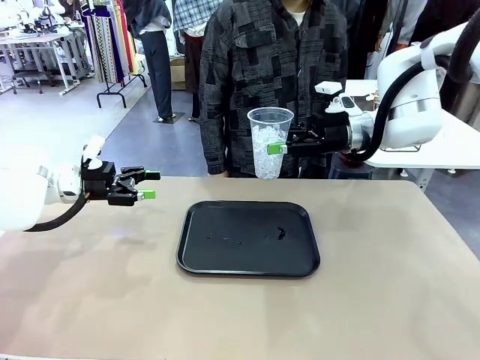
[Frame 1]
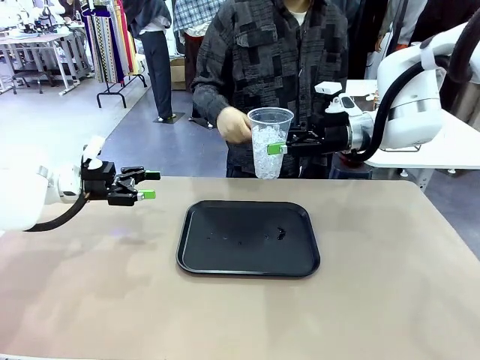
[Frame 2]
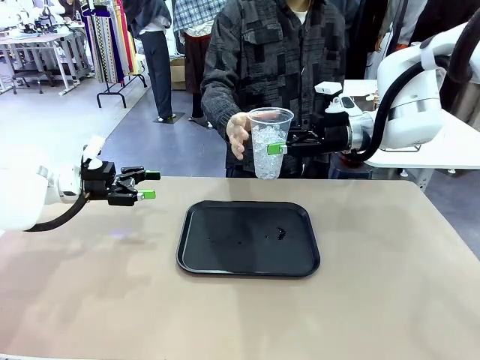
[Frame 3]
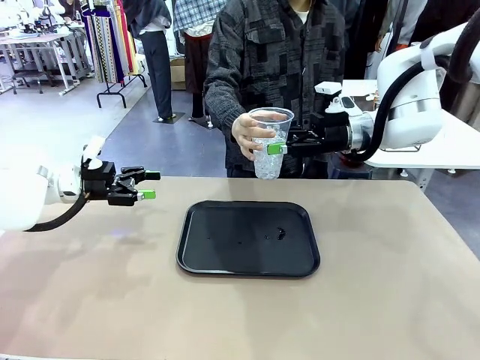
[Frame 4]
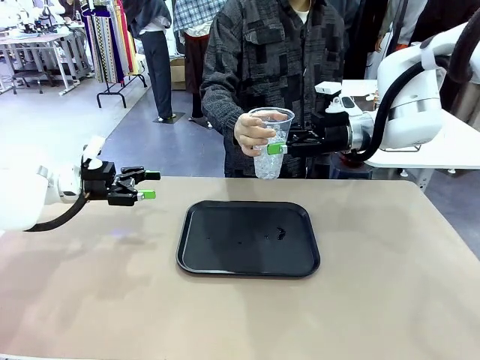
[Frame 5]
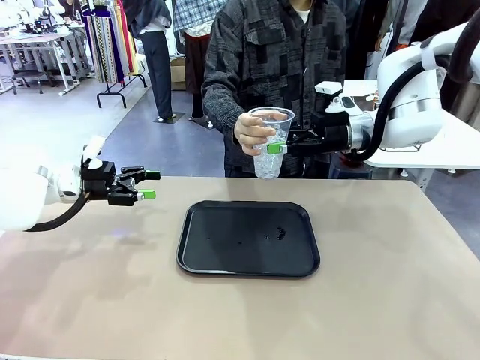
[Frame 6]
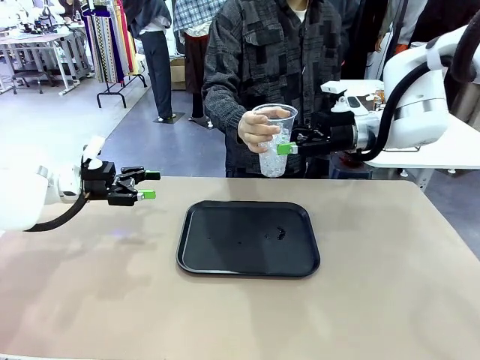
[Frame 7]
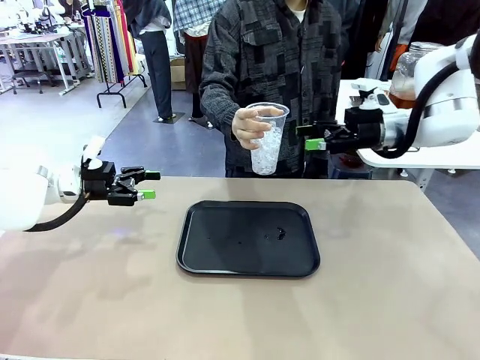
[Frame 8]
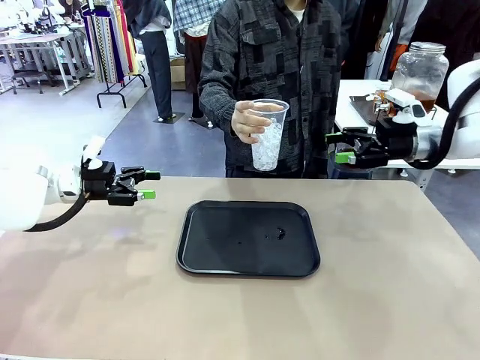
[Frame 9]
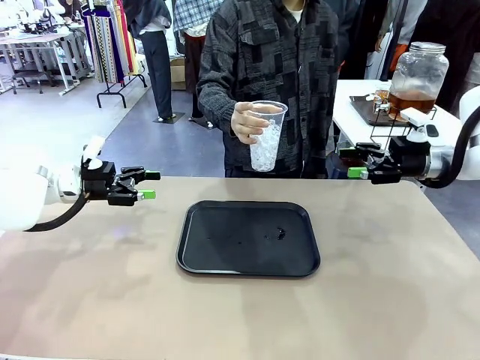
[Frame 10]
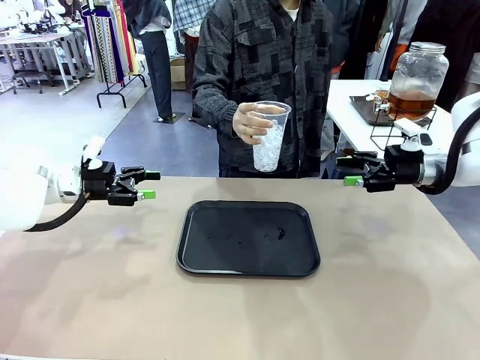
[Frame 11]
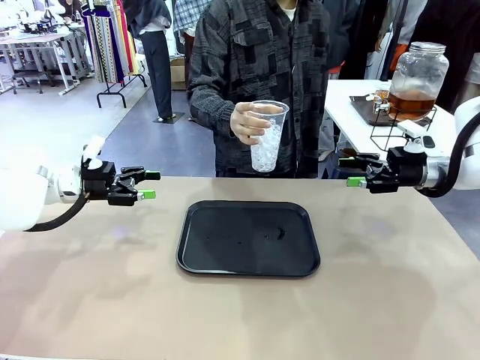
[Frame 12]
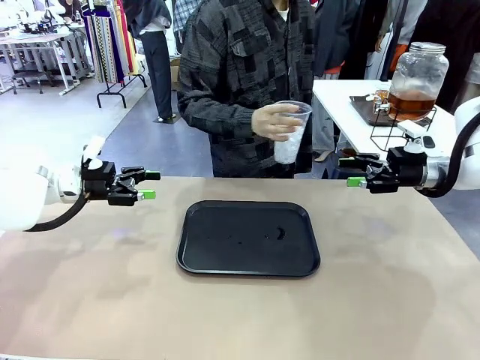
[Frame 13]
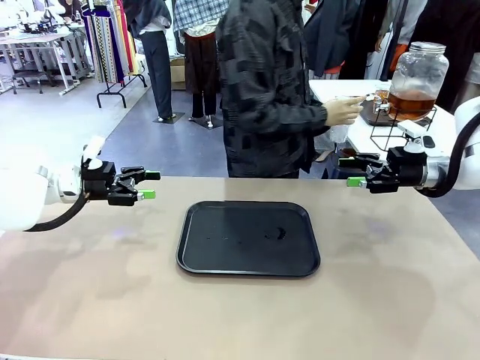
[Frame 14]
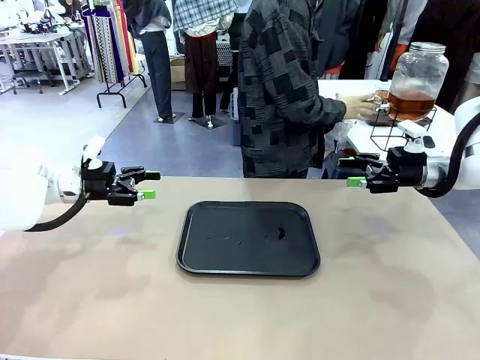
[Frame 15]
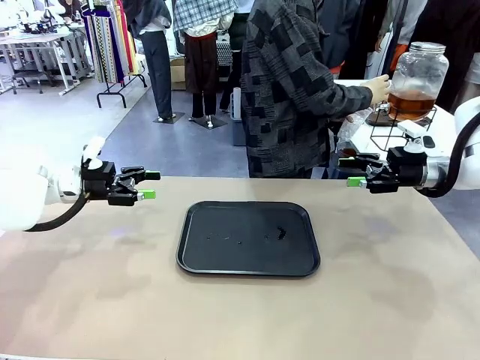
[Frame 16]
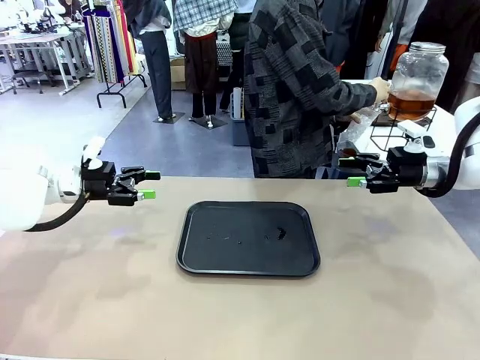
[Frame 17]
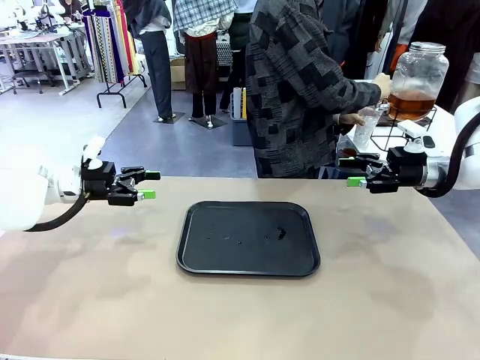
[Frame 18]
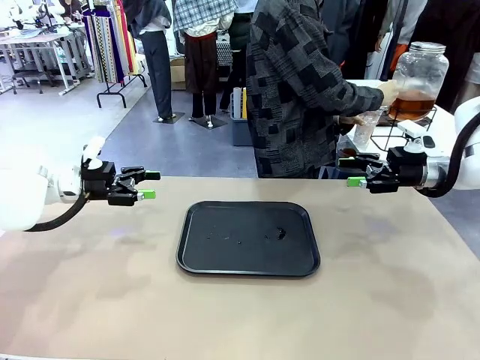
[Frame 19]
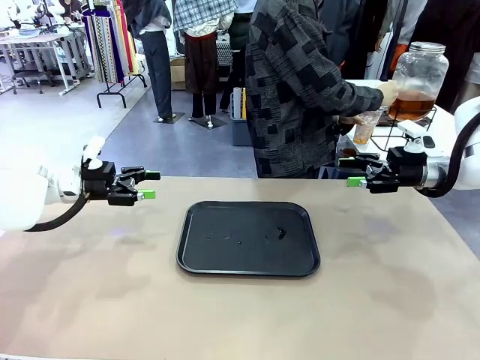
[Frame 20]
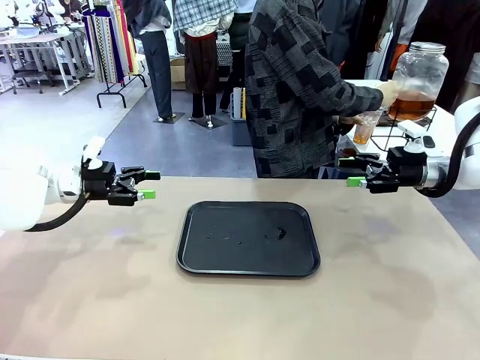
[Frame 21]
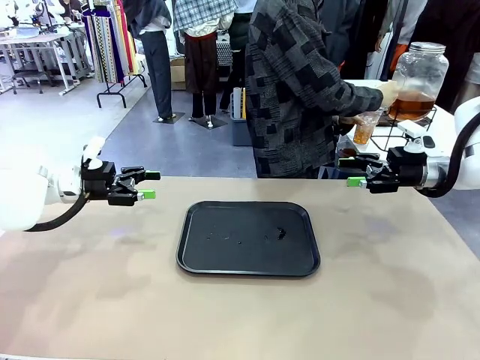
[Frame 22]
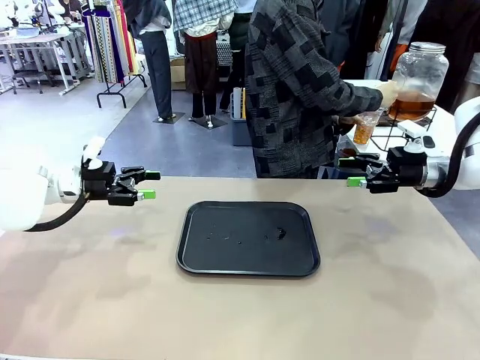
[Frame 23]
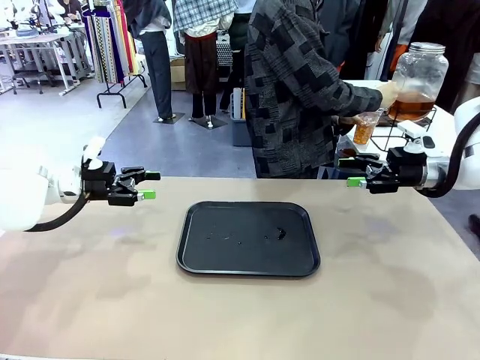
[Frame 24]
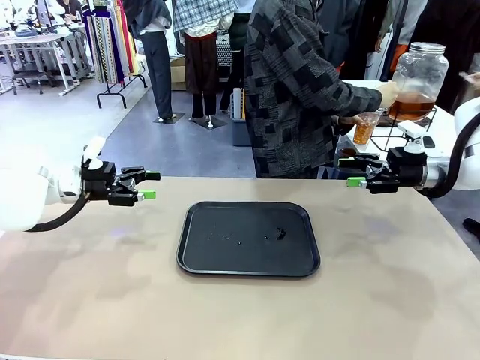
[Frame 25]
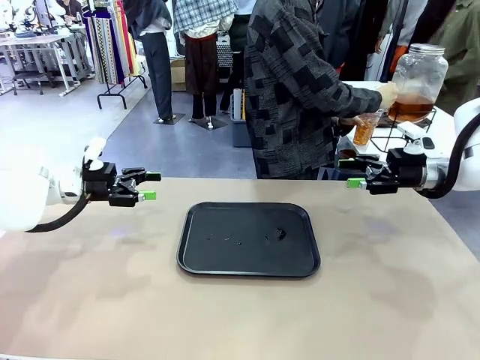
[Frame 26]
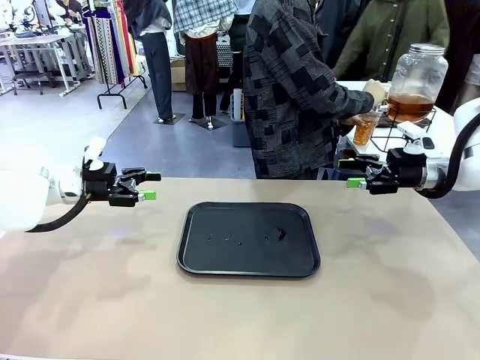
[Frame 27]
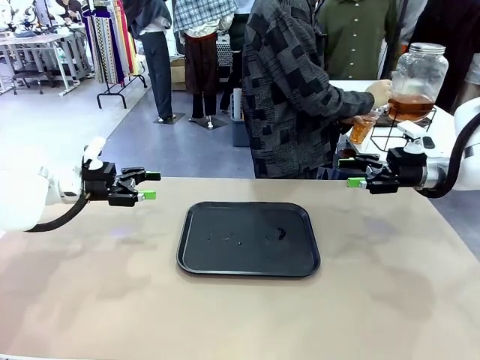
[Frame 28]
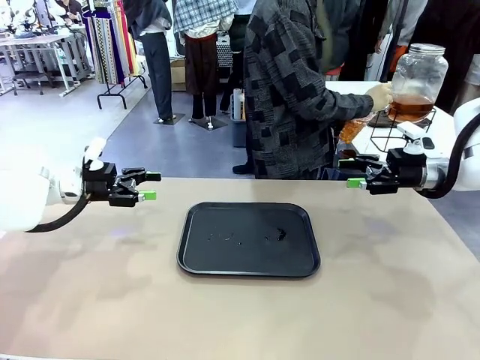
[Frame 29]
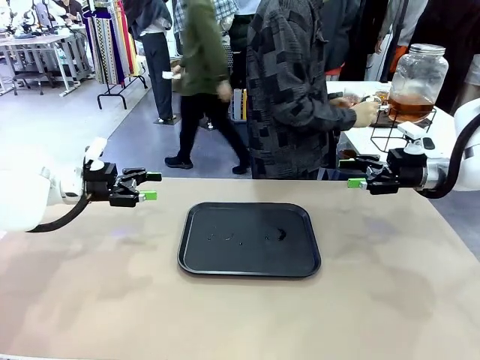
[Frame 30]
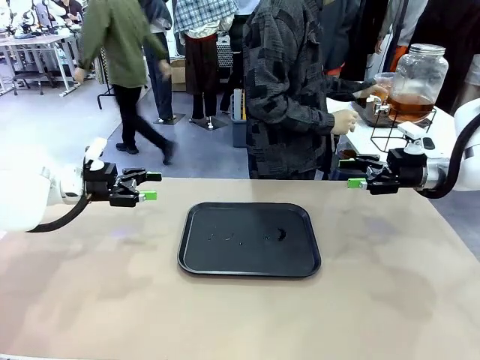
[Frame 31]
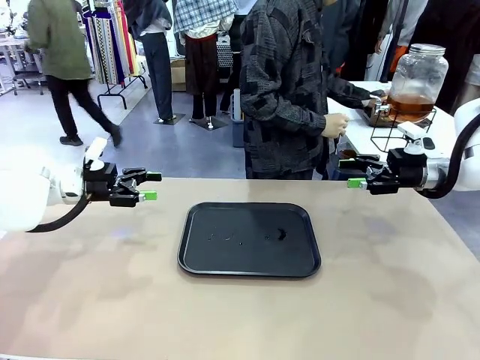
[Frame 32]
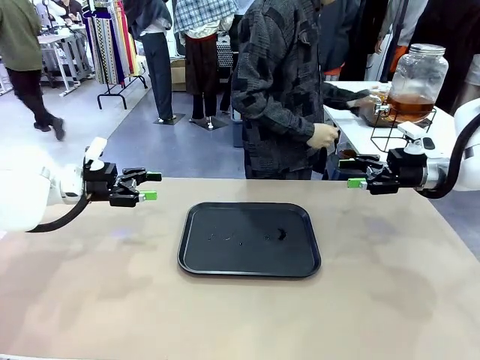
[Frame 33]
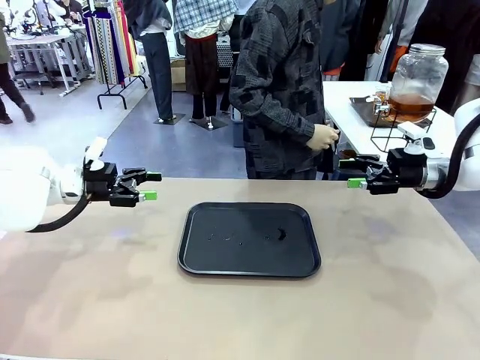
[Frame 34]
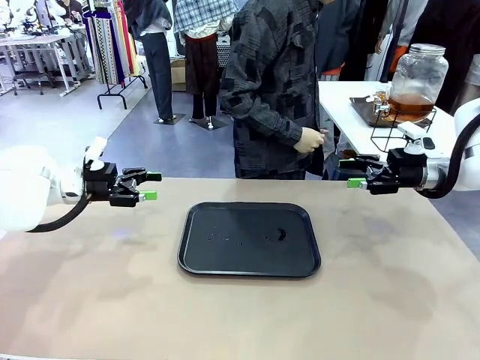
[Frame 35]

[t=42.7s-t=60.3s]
Task: Pour the drink into the iced cup.
Robot: Open the gripper to release the iced cup you were holding.
Person: Move the picked-up cup under the dispenser faucet, pour the drink, and place it on the tray on the human table.

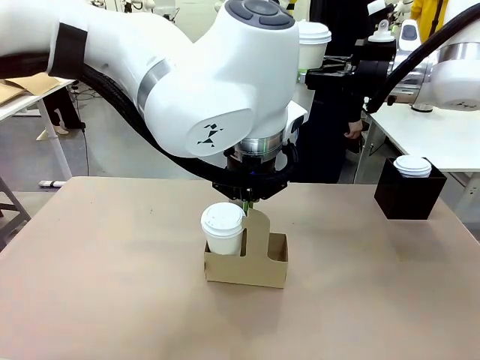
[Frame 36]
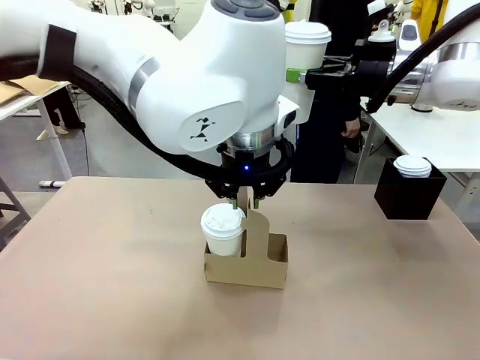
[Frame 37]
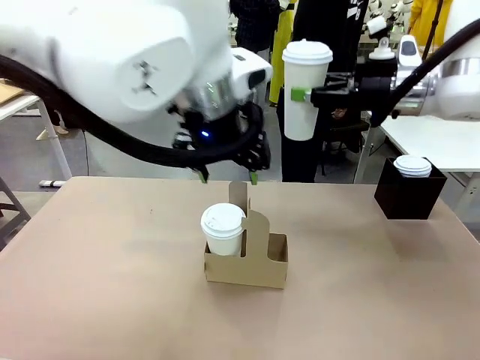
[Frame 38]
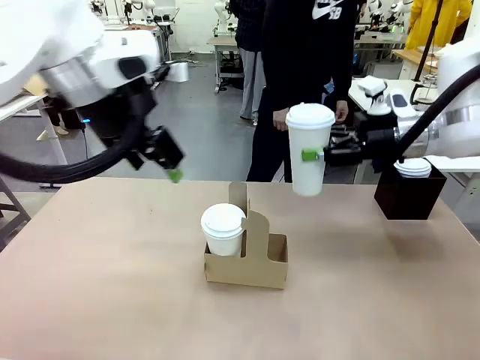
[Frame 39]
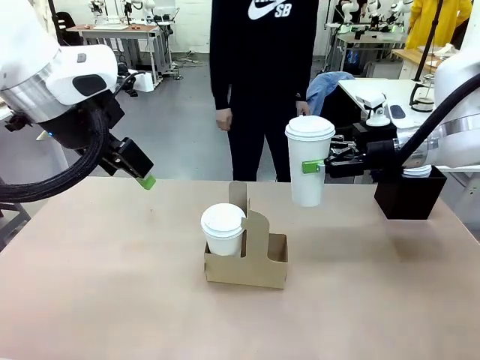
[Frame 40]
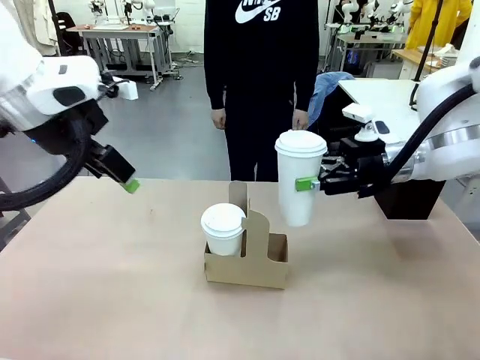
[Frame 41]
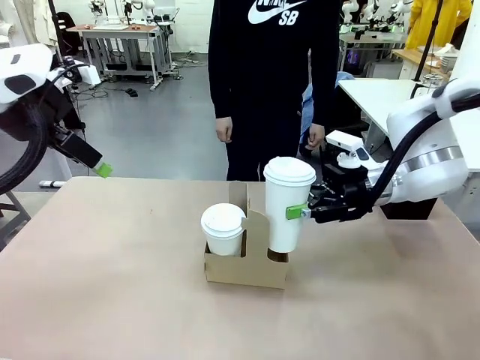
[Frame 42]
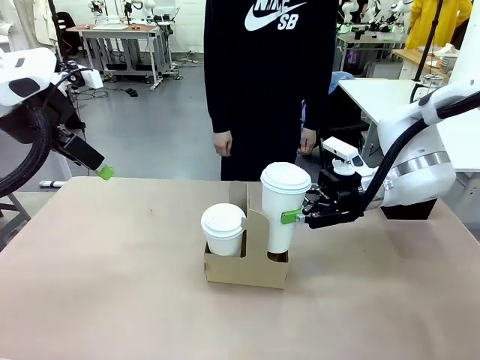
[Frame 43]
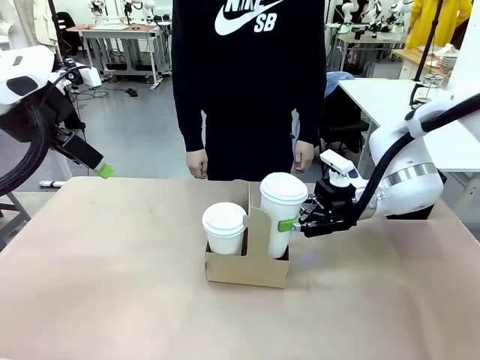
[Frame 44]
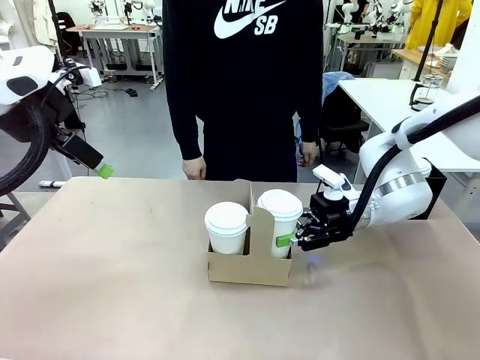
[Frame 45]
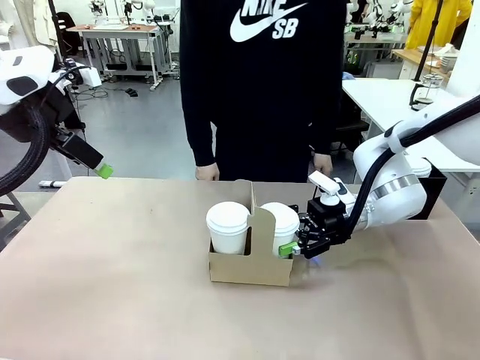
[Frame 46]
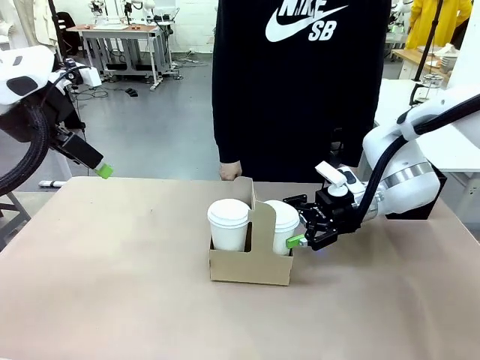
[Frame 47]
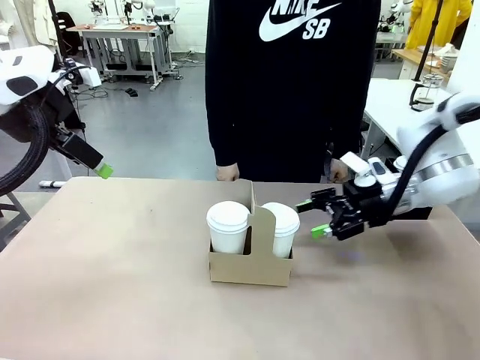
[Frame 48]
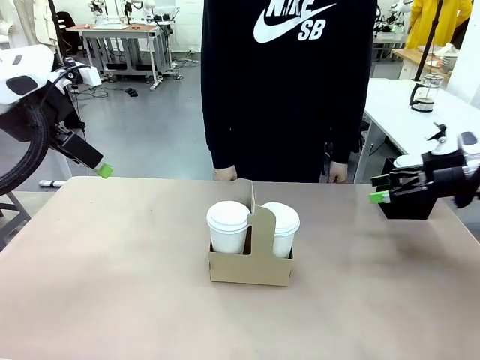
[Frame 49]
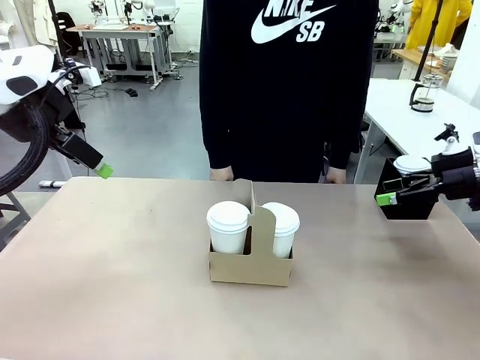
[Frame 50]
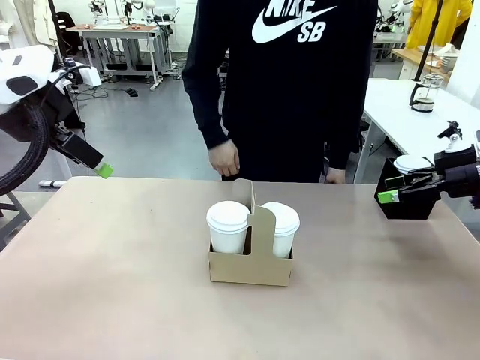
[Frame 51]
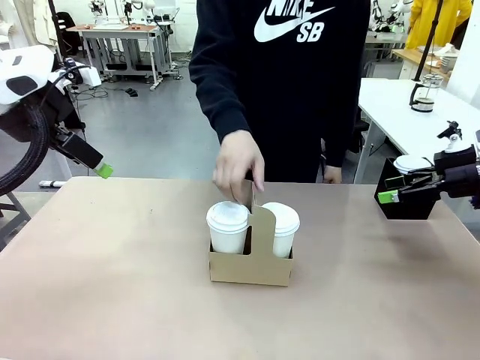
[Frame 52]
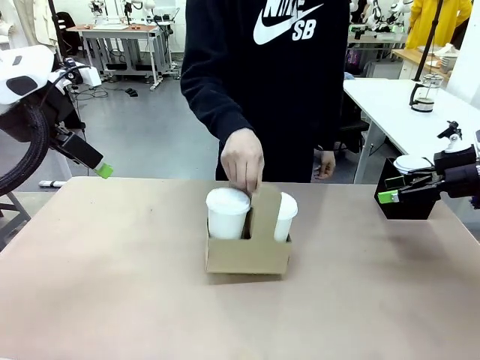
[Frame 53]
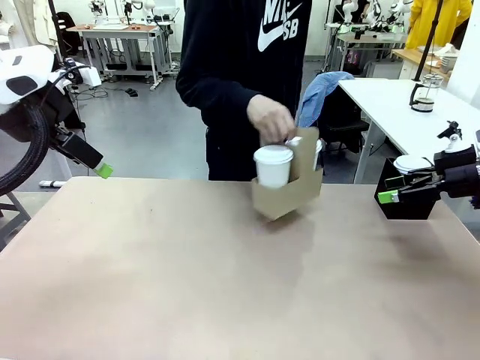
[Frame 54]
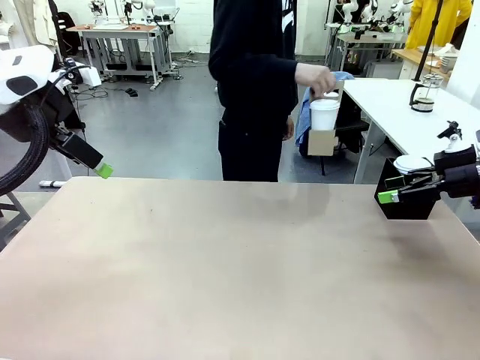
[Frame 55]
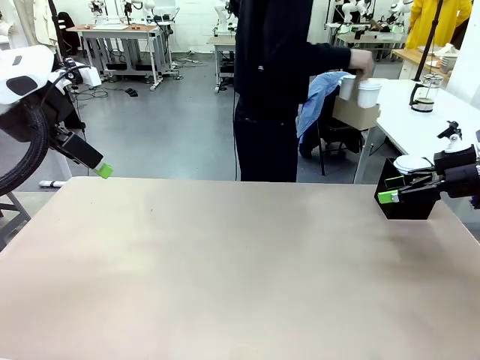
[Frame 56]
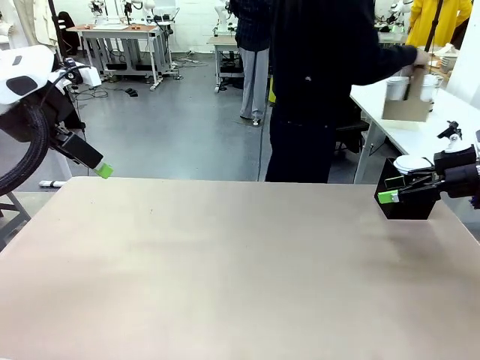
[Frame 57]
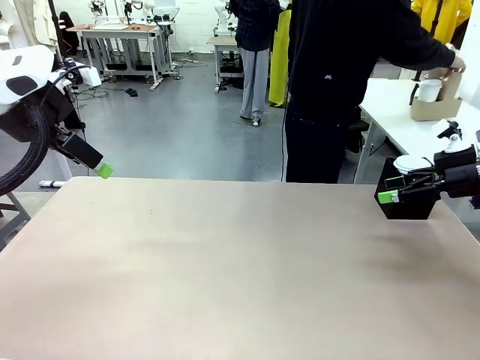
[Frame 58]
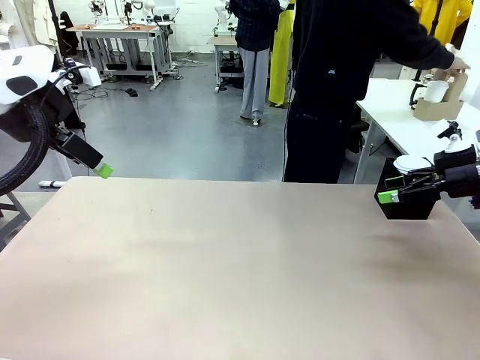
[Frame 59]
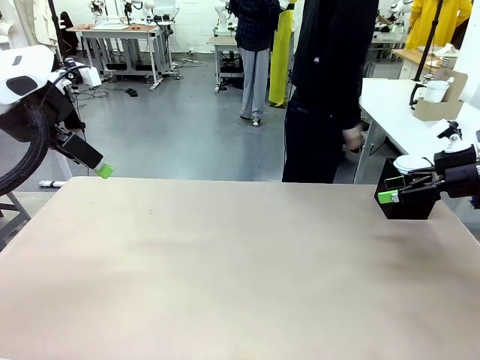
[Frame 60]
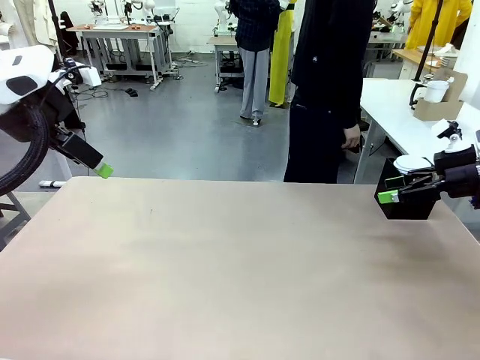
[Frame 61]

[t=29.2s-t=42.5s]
Task: Pour a drink into a cup and package it in a carrier.
Robot: Insert the held 600 ml Paper Cup into the Cup Carrier.
Person: Place the Cup Carrier to the middle of Human table.
